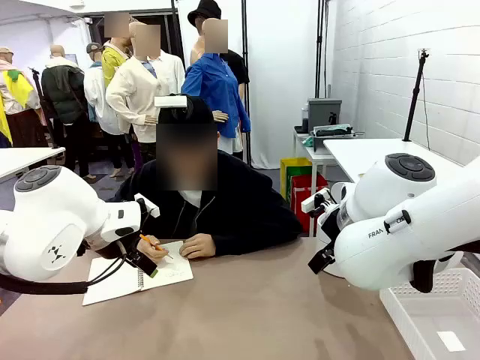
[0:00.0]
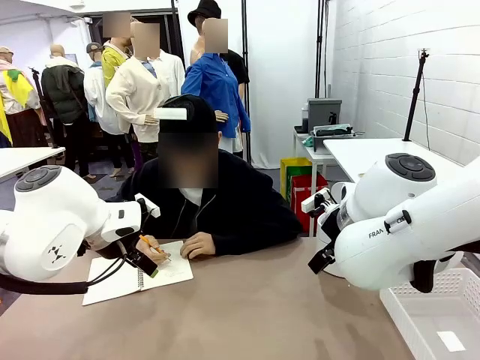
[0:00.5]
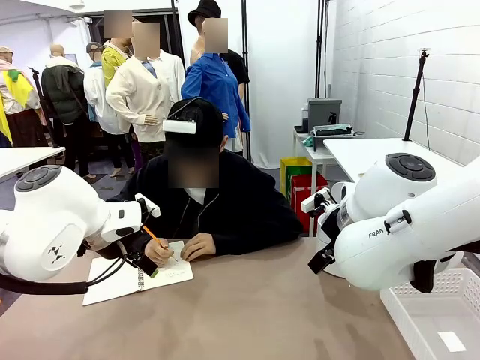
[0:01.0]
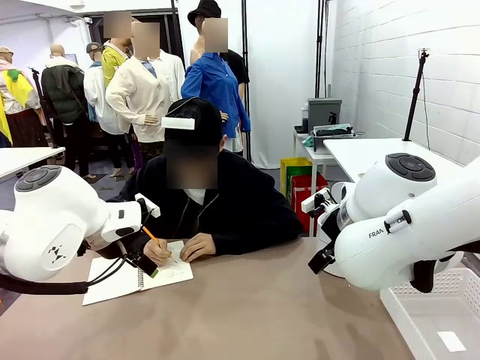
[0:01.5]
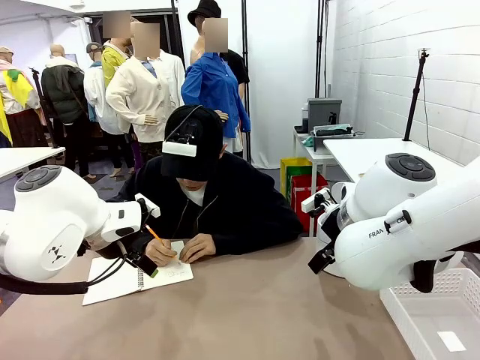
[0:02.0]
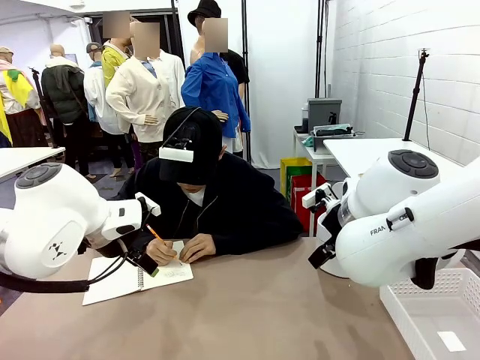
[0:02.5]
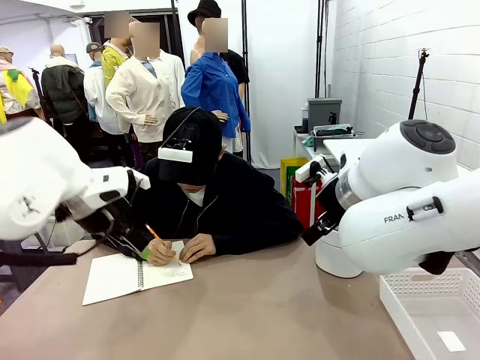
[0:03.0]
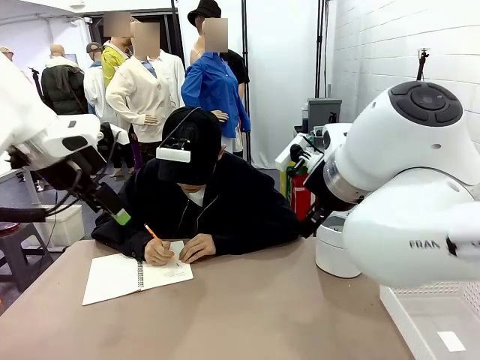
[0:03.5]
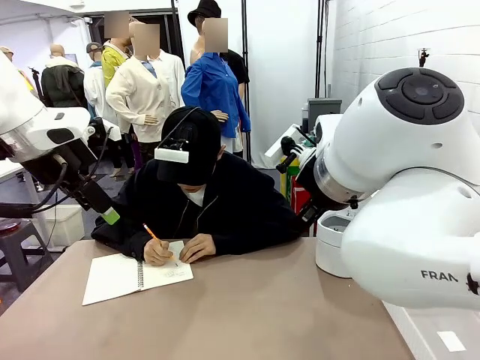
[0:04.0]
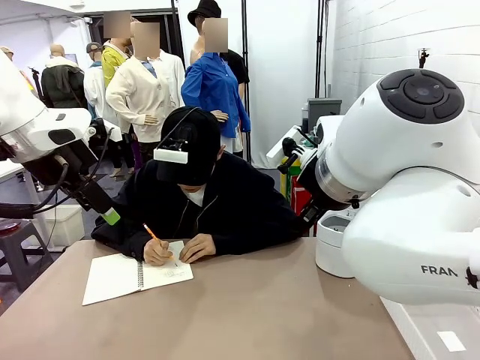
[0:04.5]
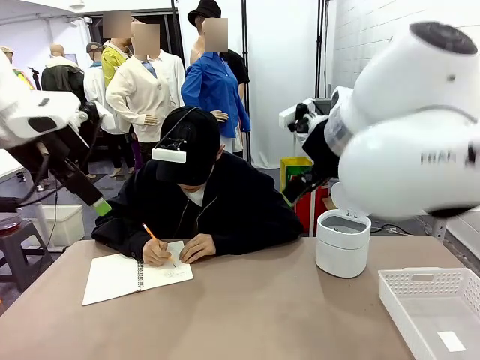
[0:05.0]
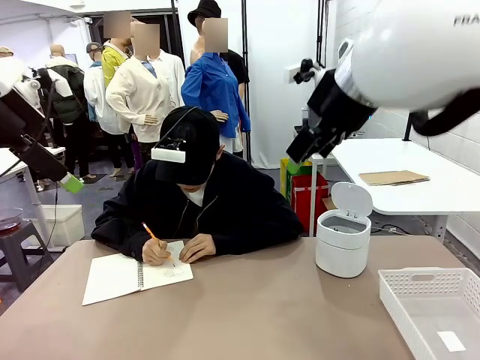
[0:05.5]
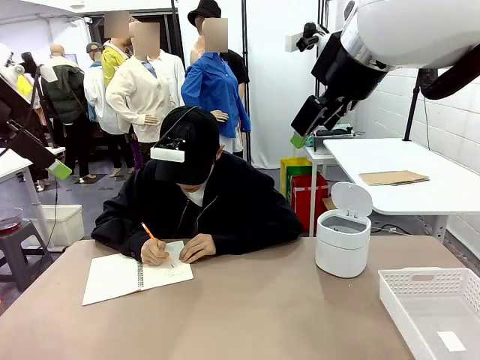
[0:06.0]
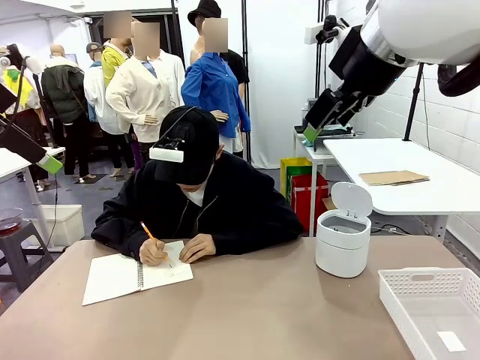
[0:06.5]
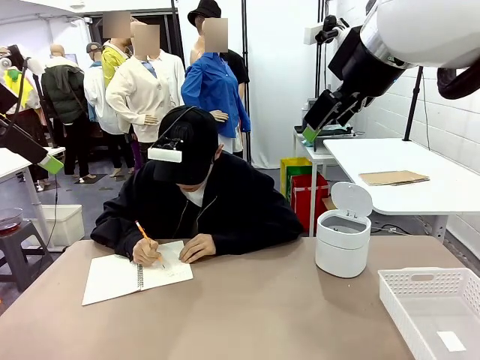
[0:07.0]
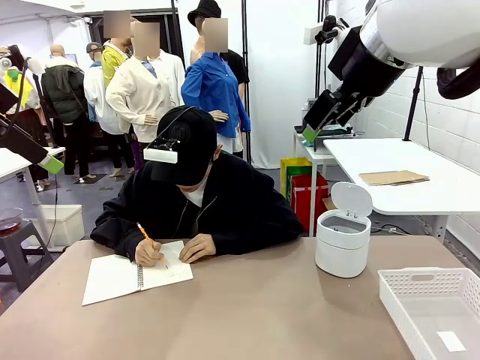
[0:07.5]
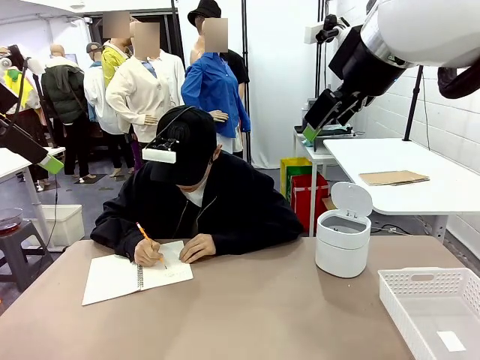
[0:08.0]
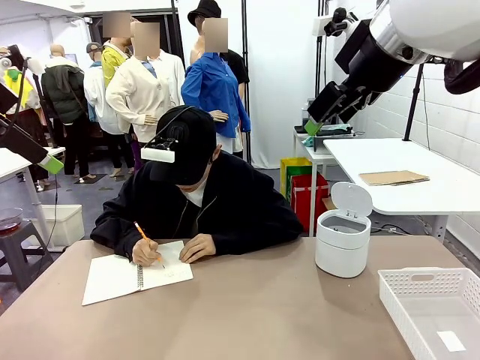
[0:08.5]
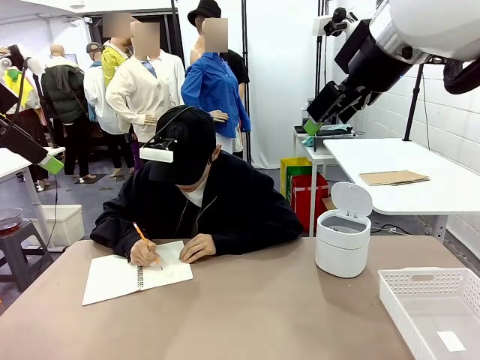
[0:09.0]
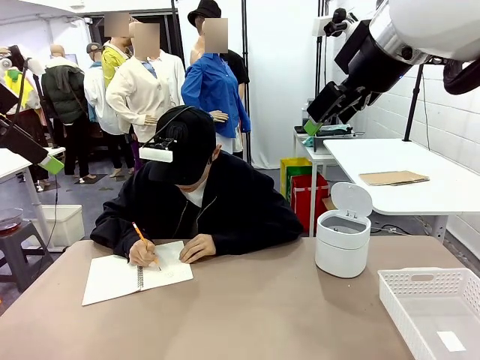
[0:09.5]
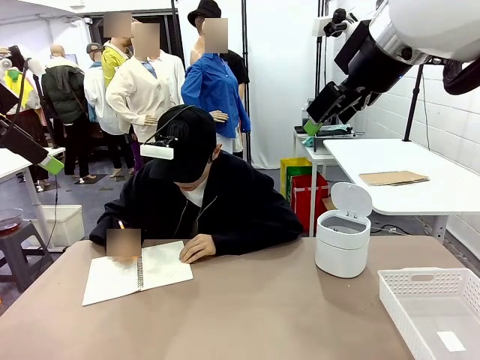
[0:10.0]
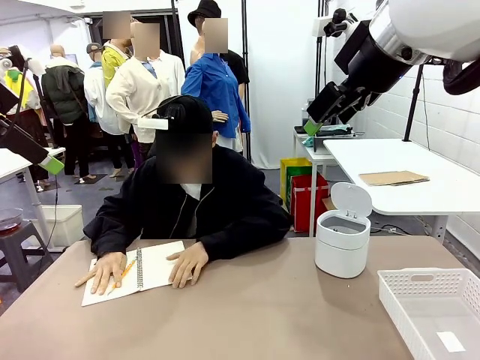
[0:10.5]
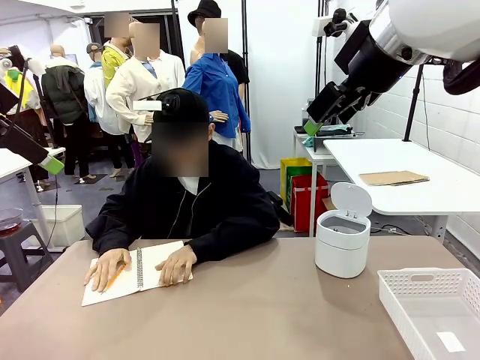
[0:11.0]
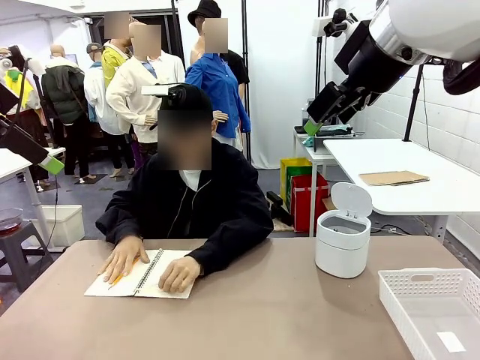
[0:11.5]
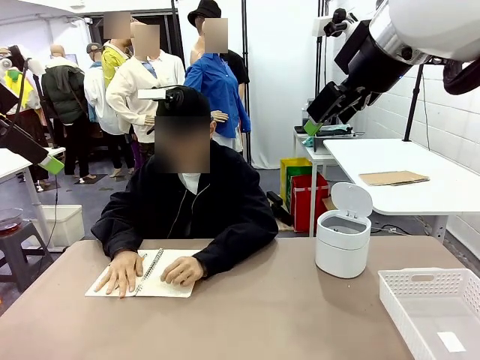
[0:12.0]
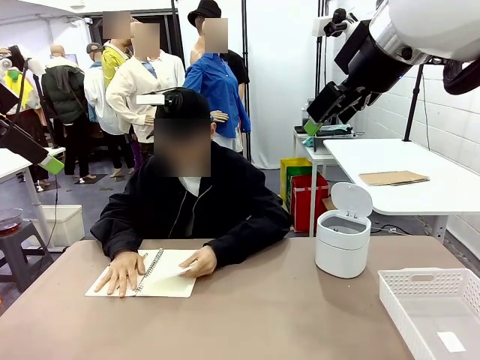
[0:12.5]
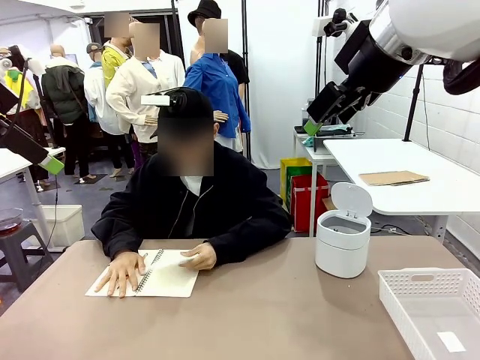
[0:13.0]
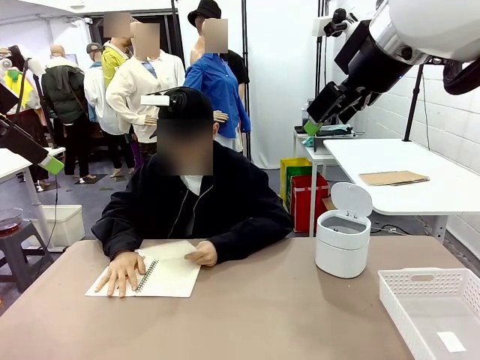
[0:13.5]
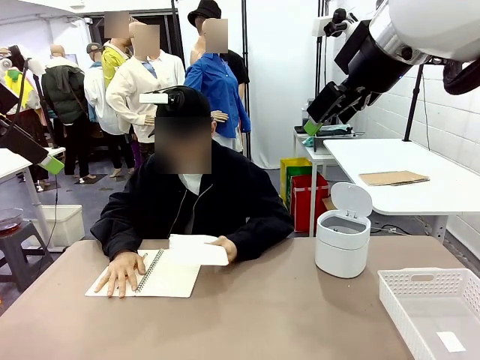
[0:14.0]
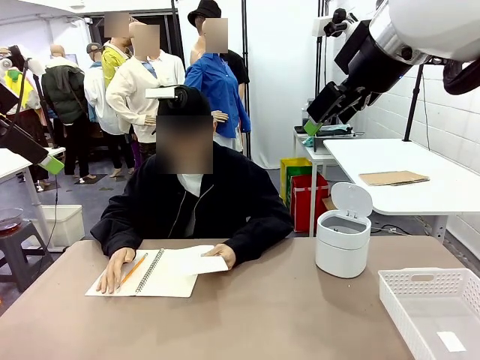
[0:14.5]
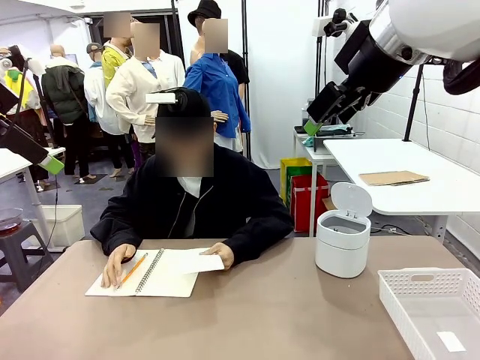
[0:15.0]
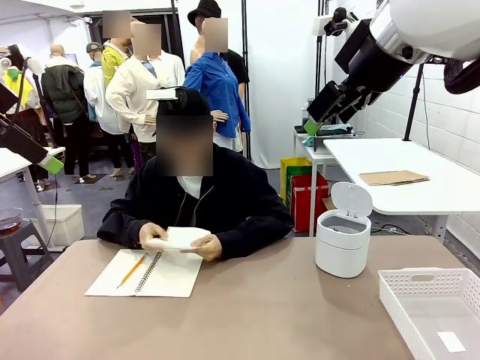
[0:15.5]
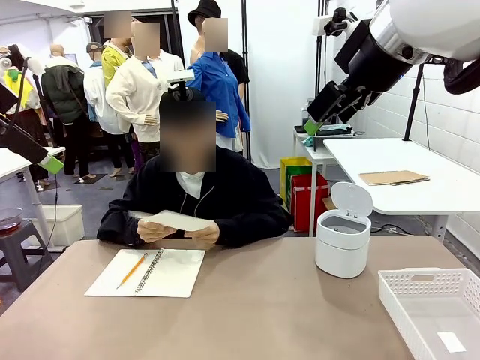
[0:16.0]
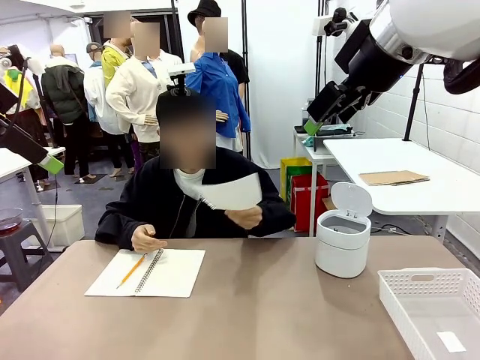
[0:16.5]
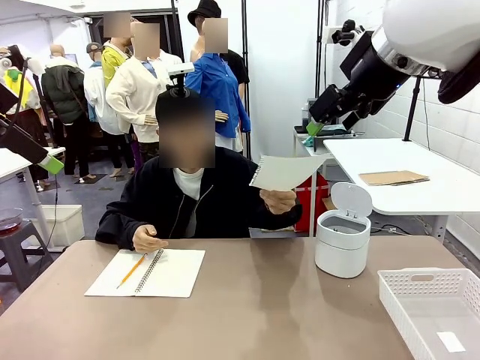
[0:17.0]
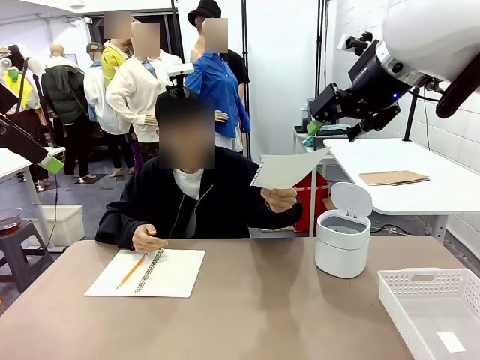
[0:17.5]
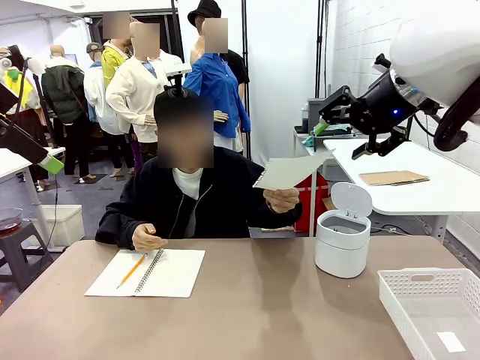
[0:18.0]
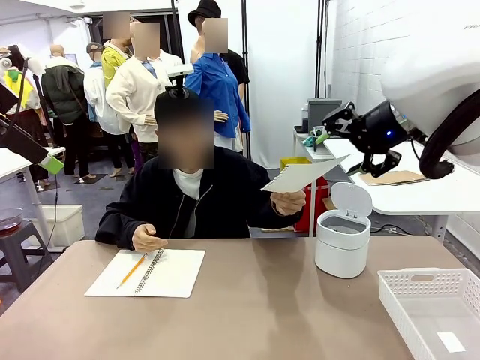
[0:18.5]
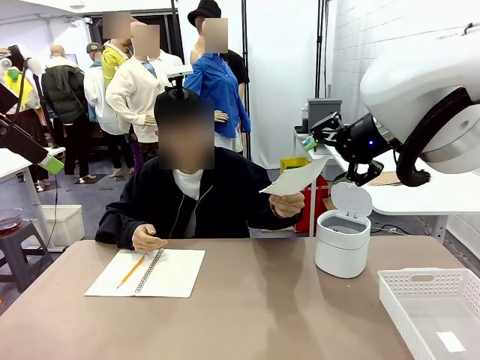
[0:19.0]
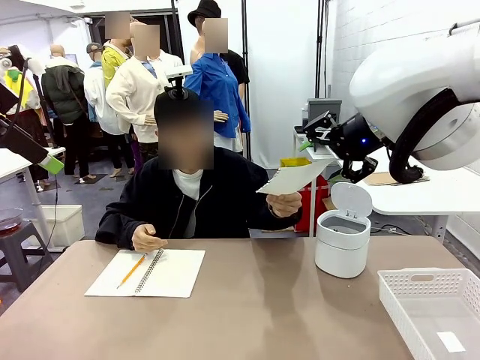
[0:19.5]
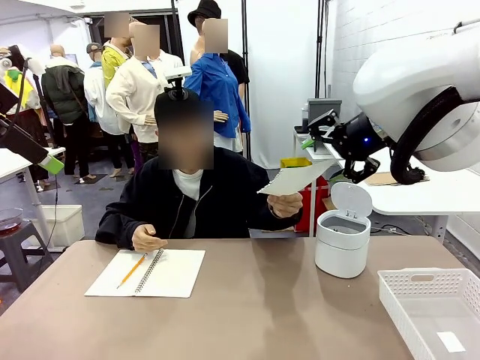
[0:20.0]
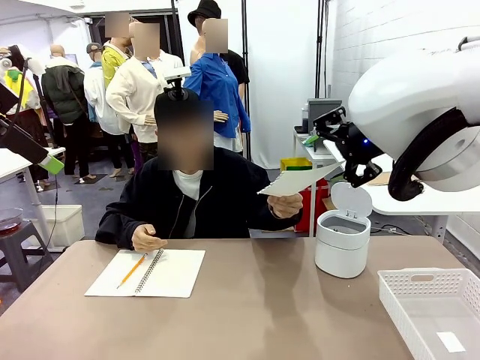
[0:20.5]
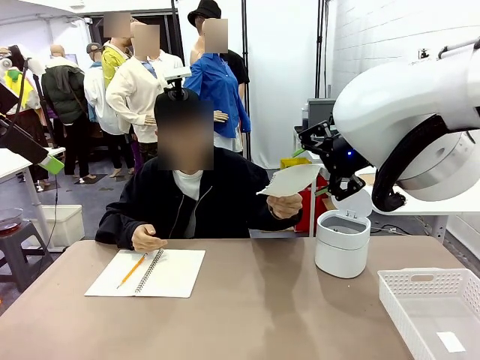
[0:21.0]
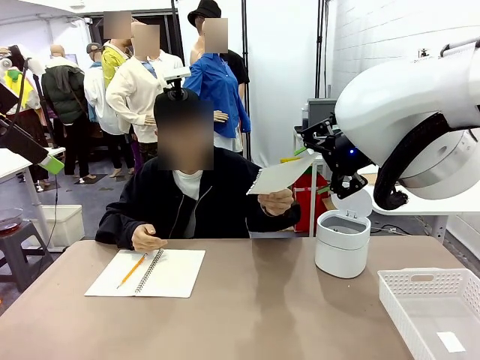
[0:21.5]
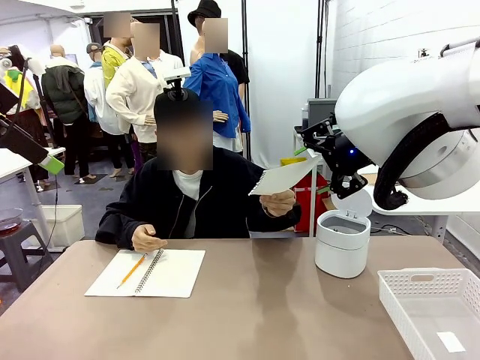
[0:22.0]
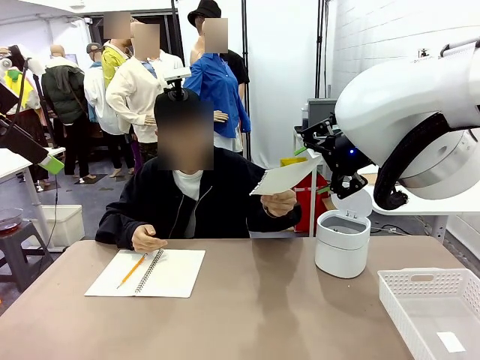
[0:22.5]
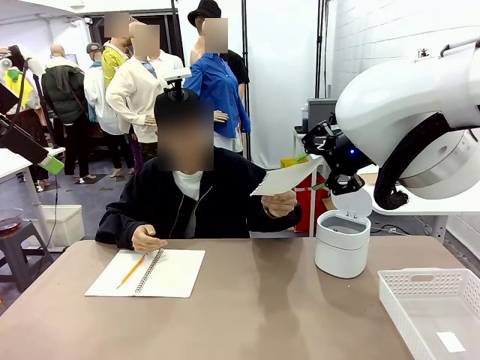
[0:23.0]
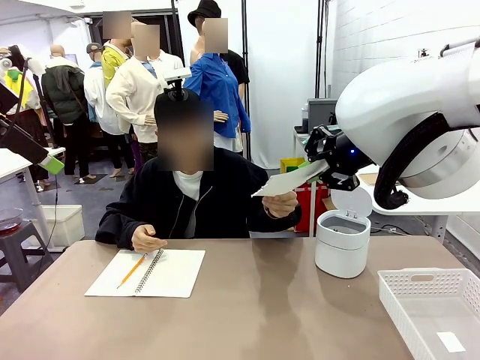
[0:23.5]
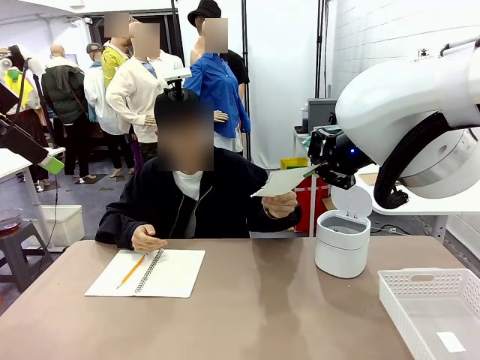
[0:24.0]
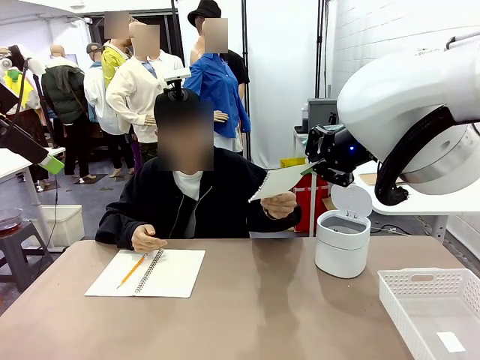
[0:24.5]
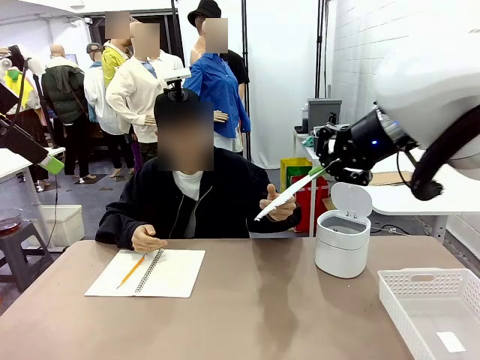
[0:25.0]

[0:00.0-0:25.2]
Task: Sort the paper based on its condition.
Robot: If a person hands you a paper, place it in the Organizing basket , and if it's crumpled, put it in the Trash can.
Person: Tear out a page from the spiral notebook. Hand the torn page to the robot or crumple it and throw it to the center of the table.
